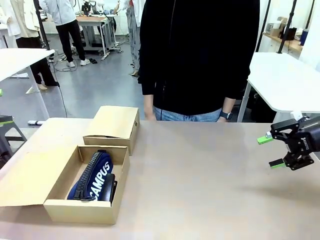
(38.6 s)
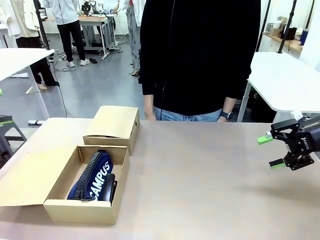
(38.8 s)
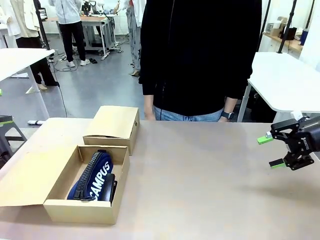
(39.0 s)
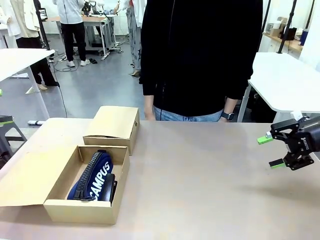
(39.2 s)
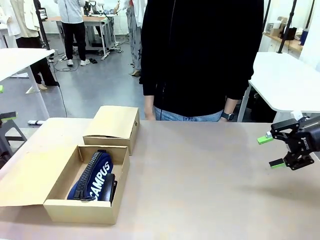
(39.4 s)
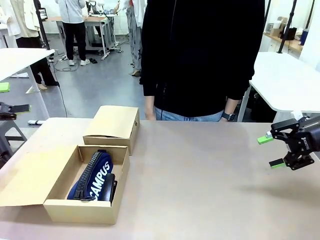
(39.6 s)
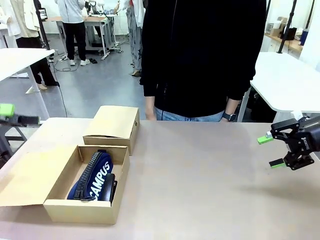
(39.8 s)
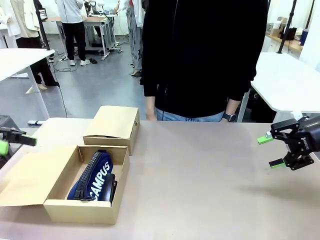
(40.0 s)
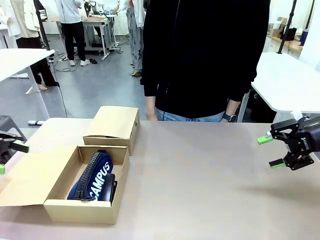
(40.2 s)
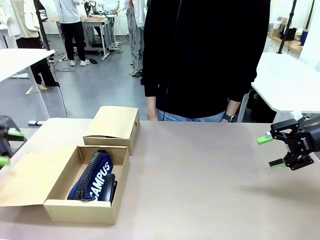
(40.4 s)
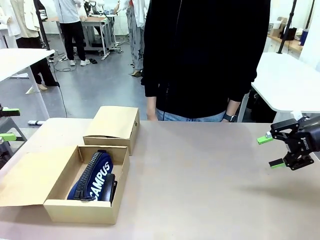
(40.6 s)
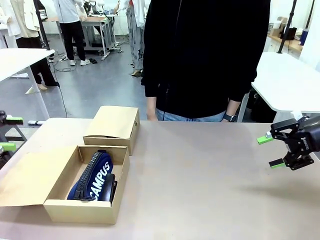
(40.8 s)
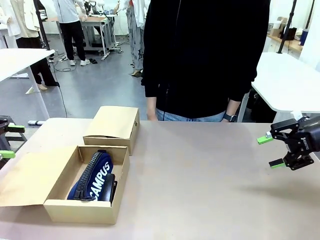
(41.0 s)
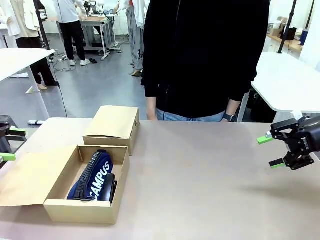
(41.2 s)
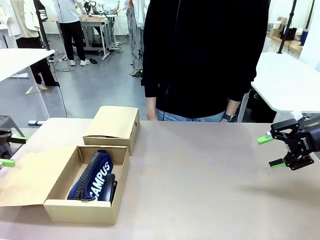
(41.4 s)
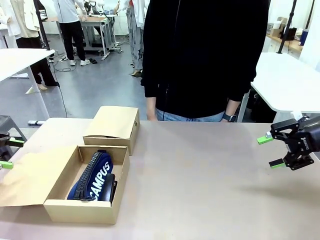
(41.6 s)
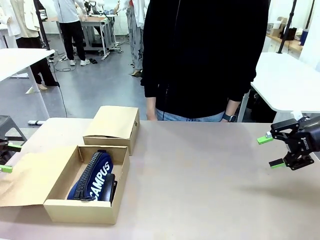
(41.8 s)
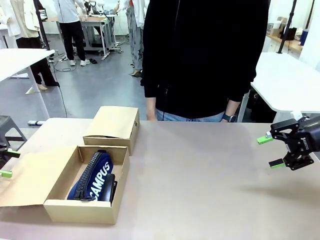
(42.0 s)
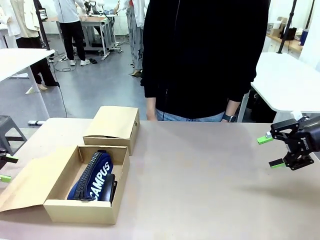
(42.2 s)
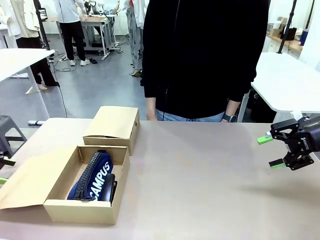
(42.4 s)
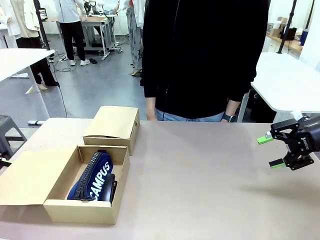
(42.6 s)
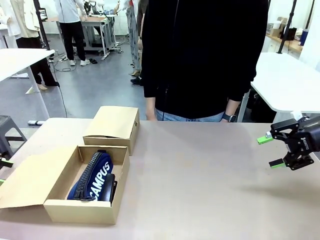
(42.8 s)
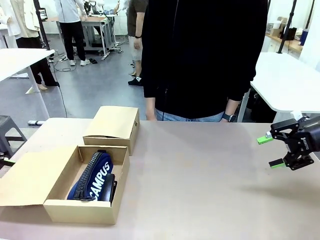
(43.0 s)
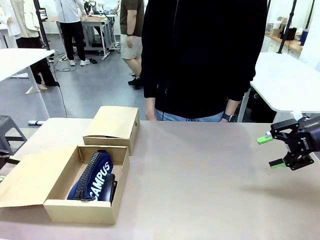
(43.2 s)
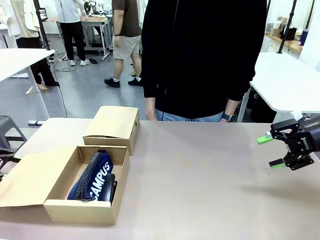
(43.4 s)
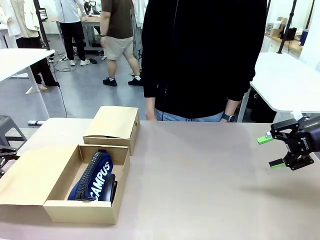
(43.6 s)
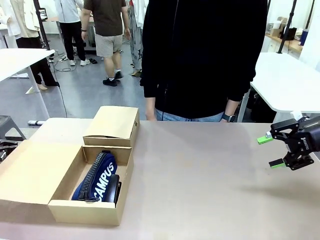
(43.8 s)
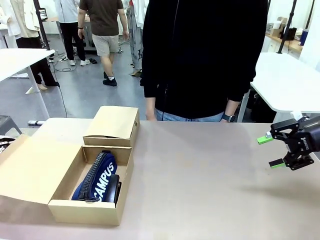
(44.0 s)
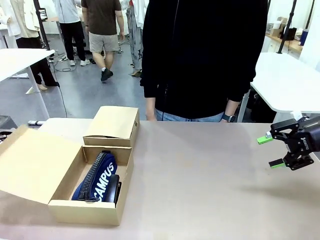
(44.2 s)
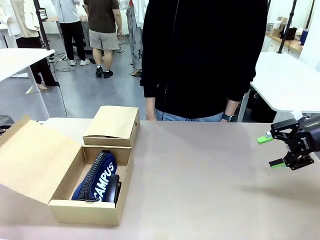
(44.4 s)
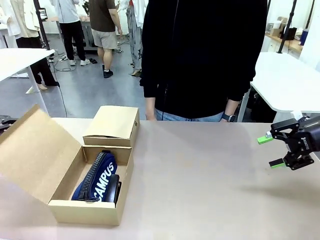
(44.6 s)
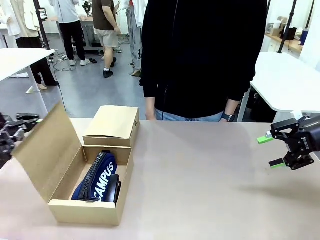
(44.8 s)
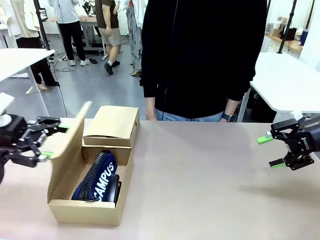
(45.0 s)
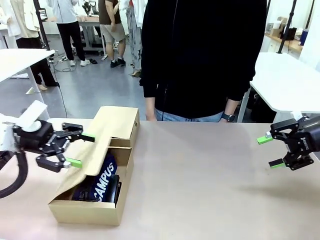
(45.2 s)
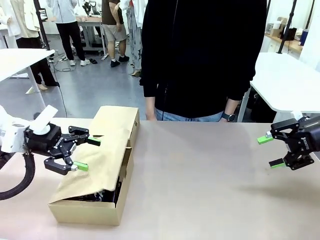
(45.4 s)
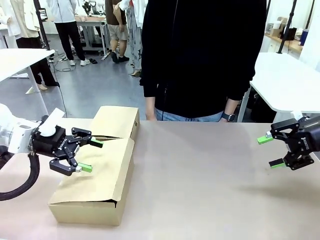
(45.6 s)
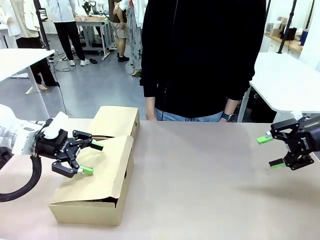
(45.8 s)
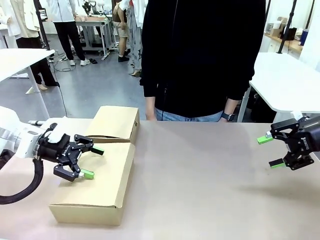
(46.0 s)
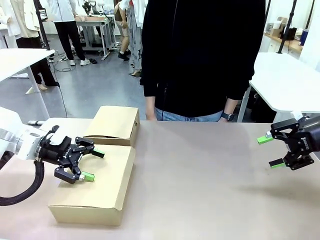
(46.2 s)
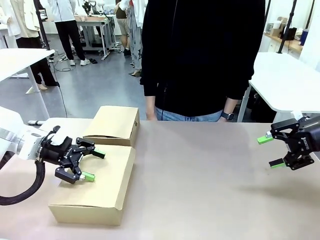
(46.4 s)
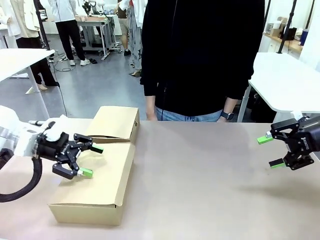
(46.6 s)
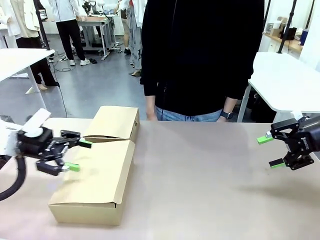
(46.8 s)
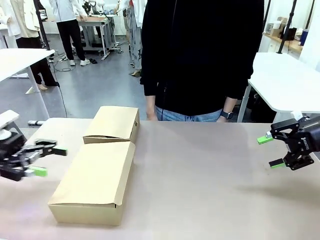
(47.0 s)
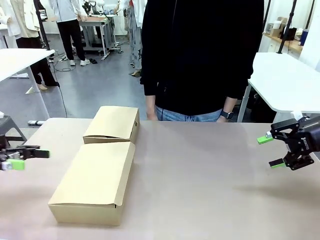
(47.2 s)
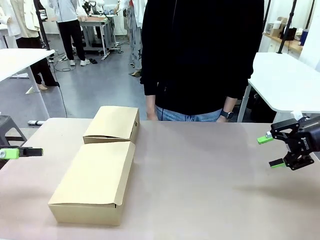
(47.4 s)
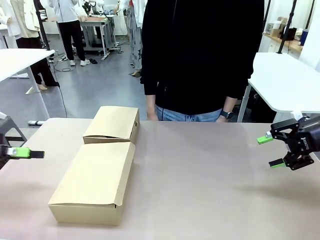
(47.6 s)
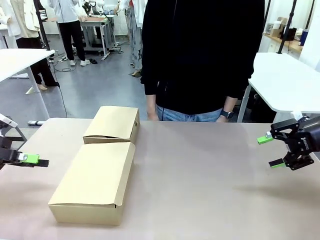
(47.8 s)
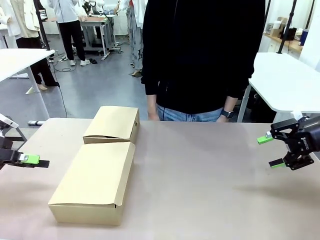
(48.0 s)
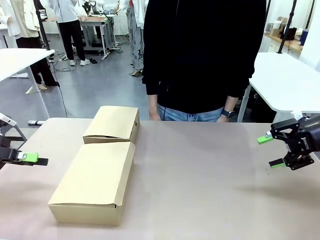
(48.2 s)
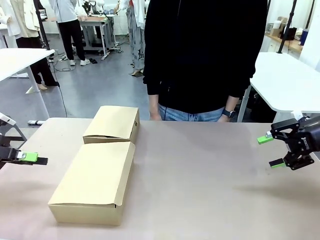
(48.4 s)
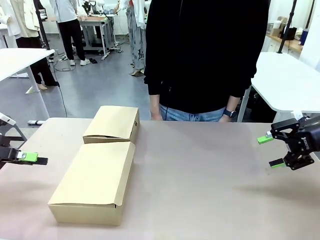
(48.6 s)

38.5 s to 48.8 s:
Task: Place items inside the box.
Robot: Close the lid of the Mailer Box closest to the robot.
Person: Close the lid of the box facing the person.

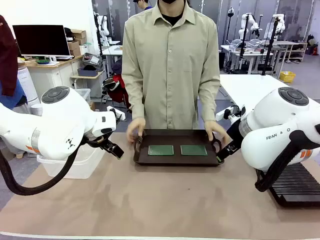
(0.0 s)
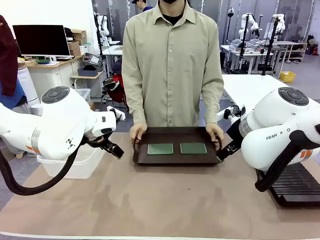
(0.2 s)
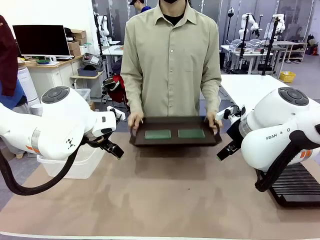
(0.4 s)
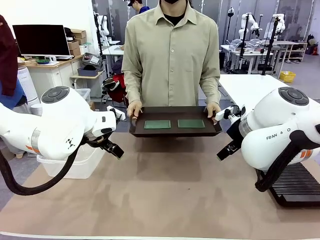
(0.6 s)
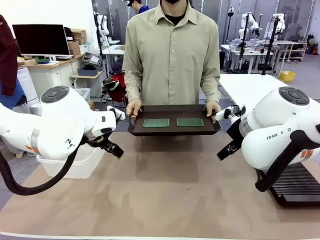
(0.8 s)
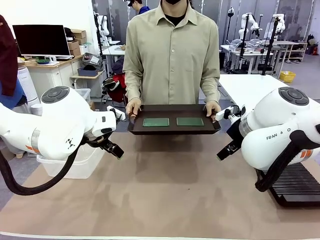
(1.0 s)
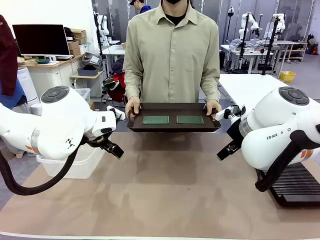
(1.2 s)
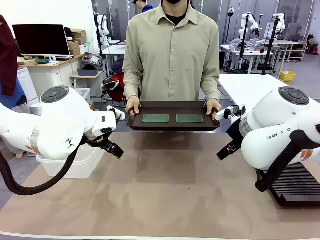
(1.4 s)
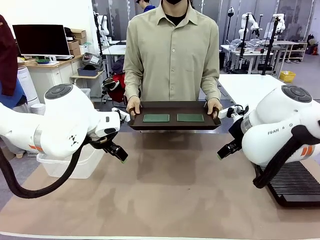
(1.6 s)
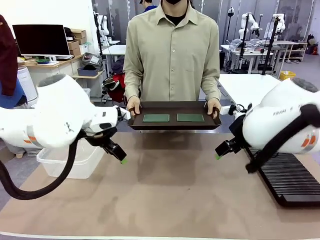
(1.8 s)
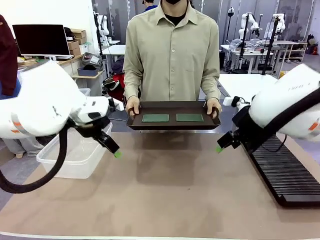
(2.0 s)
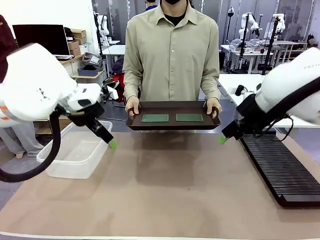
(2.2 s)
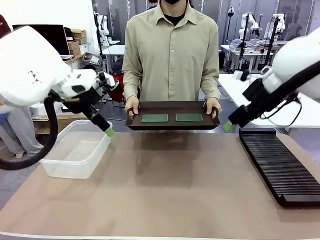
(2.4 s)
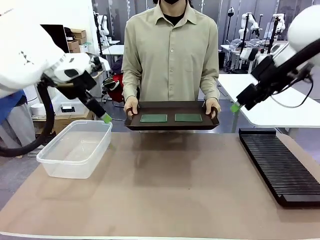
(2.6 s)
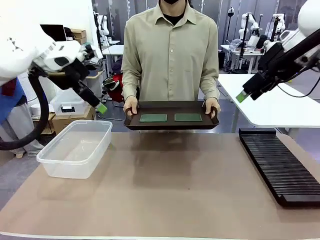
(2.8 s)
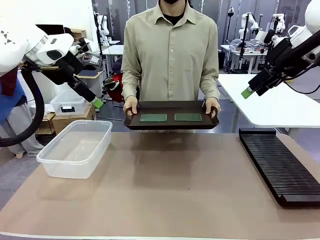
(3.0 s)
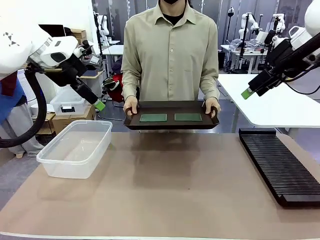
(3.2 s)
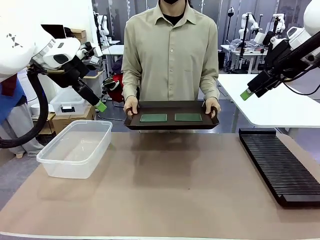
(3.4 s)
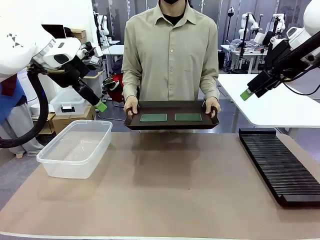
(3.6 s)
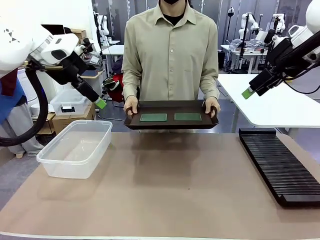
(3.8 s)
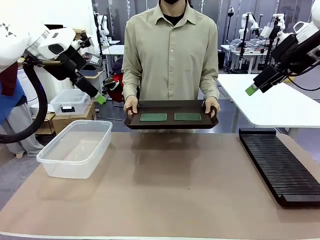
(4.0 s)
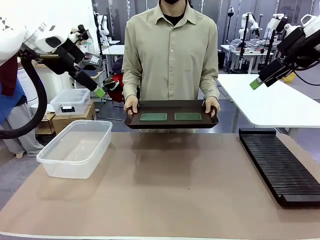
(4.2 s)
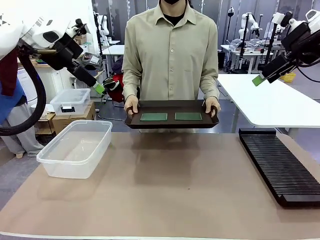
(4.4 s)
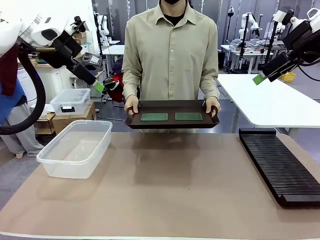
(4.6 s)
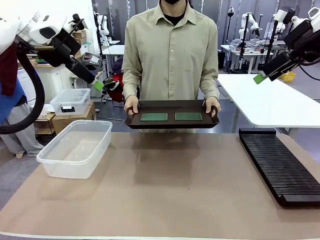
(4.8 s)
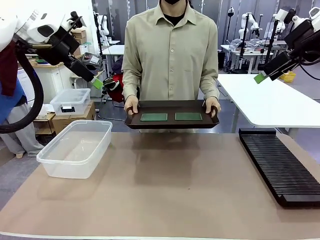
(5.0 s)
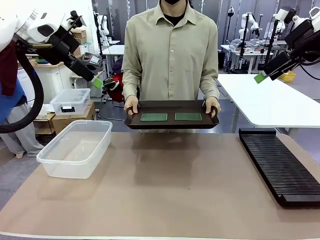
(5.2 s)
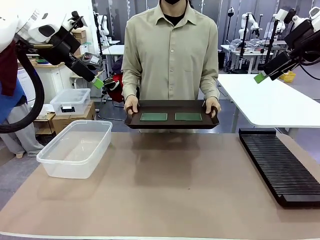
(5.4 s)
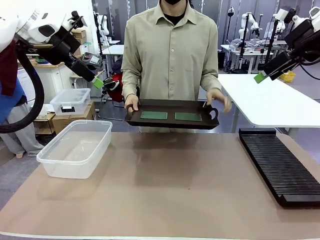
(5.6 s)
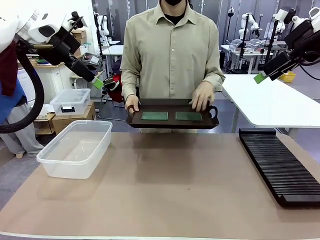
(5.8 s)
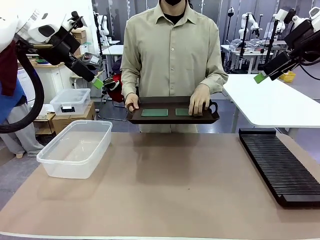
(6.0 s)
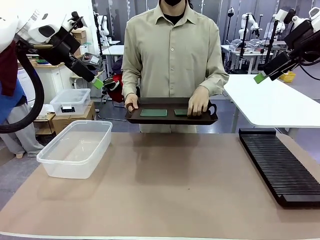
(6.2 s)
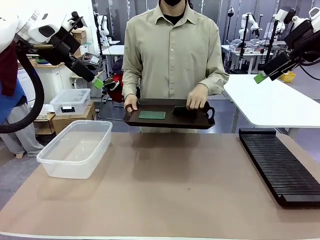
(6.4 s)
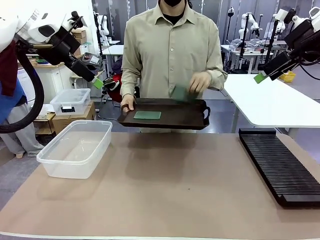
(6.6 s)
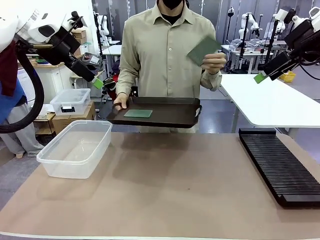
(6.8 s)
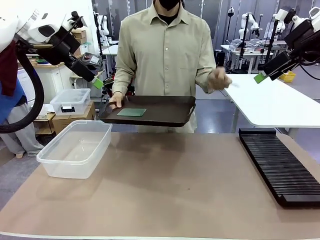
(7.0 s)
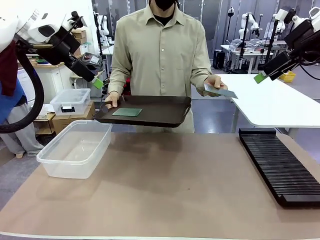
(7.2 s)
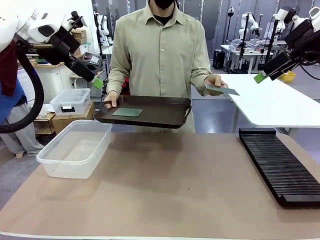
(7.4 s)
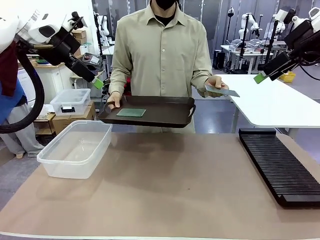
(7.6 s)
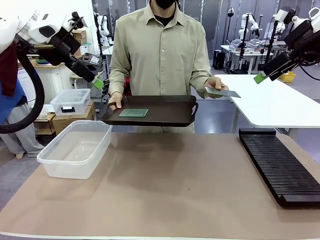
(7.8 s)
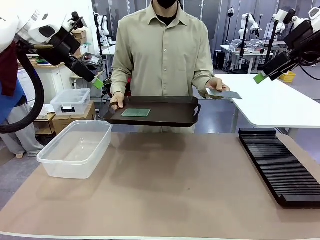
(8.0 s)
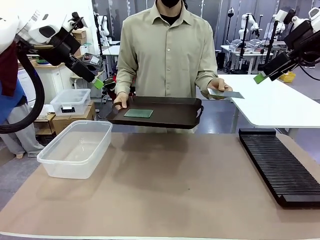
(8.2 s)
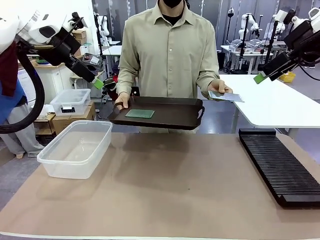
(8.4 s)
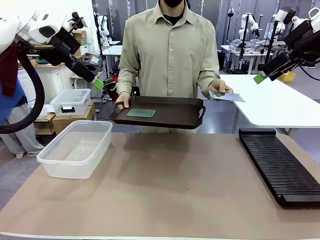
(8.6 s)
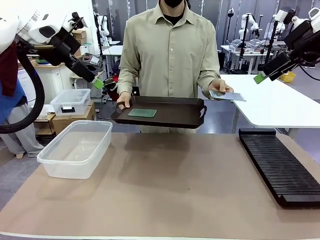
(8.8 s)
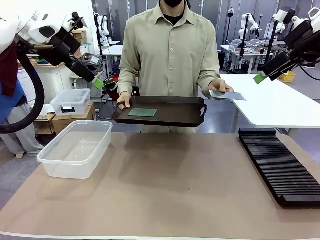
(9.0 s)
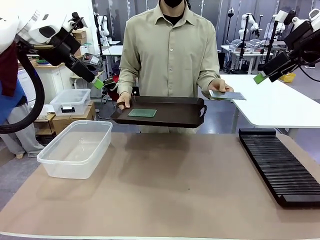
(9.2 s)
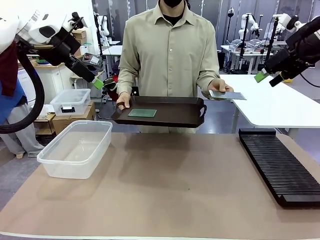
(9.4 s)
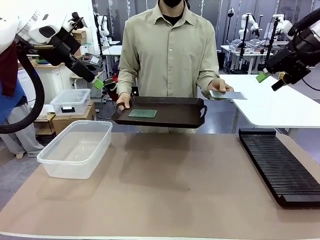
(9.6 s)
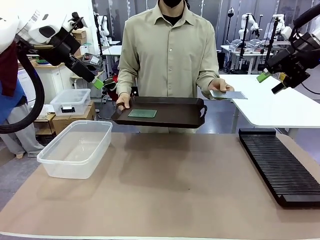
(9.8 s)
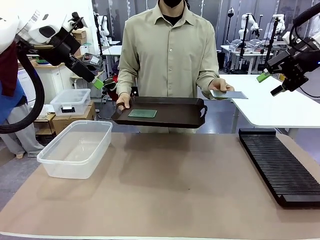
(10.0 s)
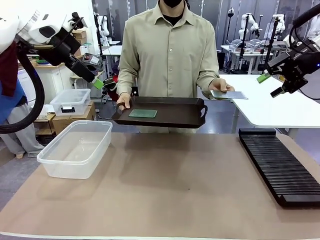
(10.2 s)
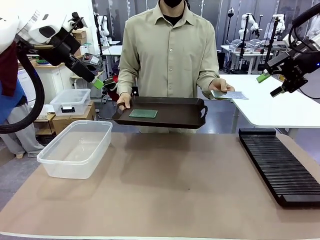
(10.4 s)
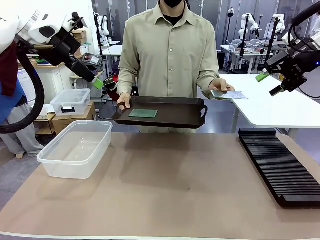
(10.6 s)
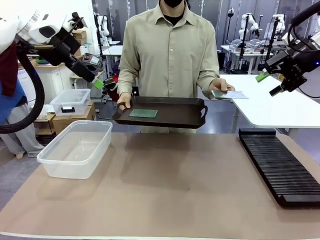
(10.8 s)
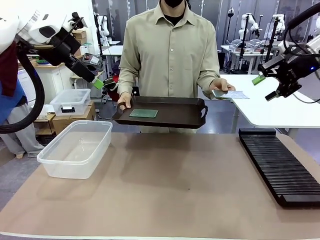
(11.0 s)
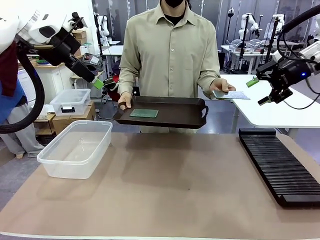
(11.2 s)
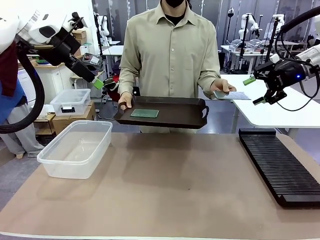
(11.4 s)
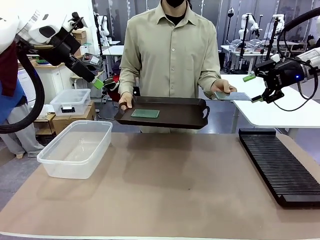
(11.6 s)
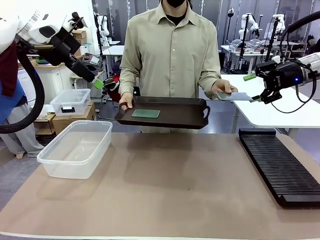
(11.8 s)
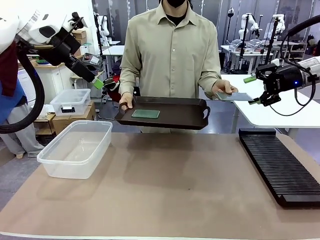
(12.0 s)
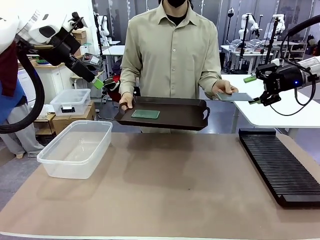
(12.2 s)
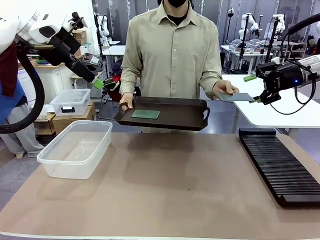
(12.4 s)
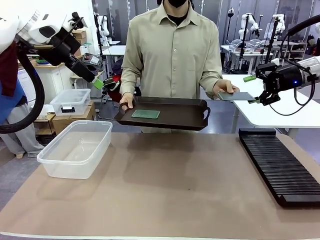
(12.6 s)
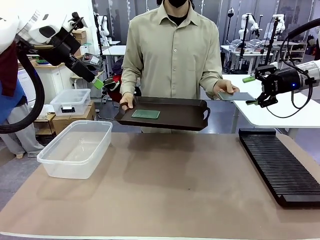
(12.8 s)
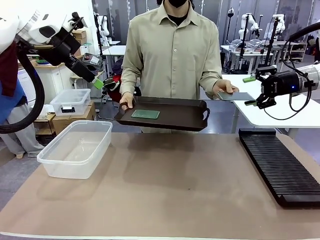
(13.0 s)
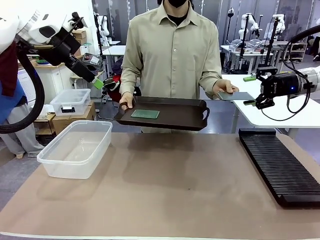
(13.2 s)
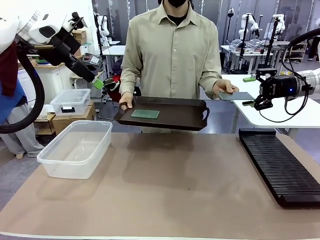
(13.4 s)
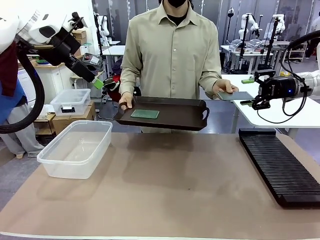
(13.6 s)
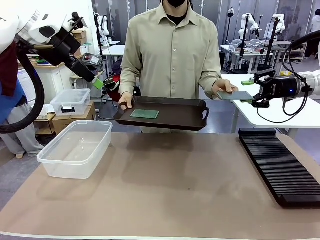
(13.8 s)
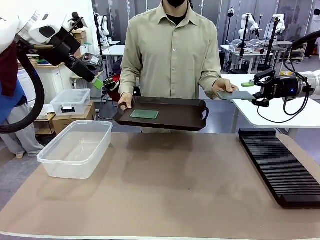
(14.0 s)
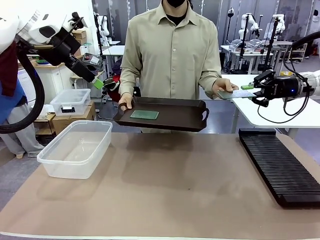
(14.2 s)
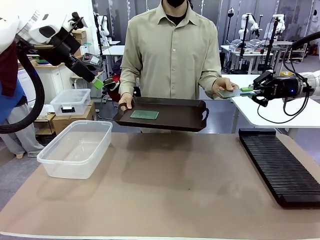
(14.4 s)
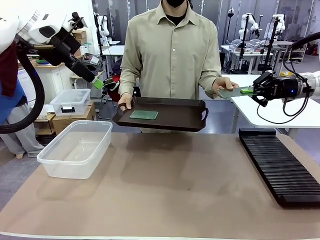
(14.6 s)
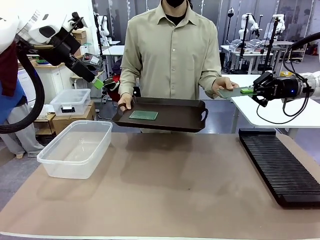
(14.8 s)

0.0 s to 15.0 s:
Task: Sort PCBs into racks and boxes based on the side picked up.
Robot: Pick up the Blank PCB handed by the Human.
Person: Pick one PCB from the tray and present it to the robot. Release the PCB being held.
